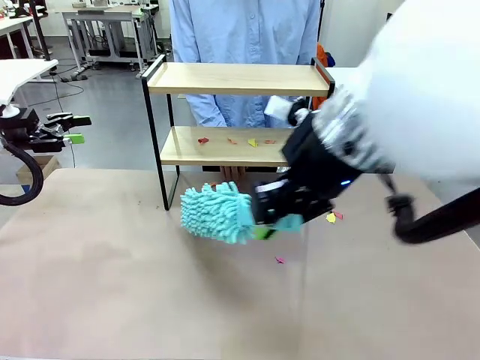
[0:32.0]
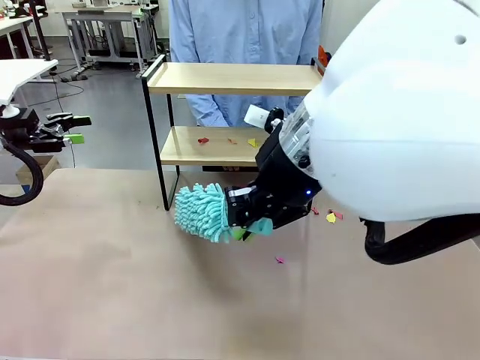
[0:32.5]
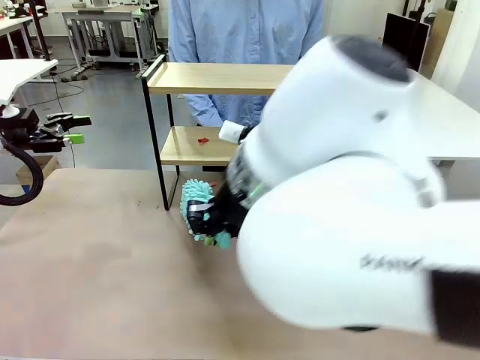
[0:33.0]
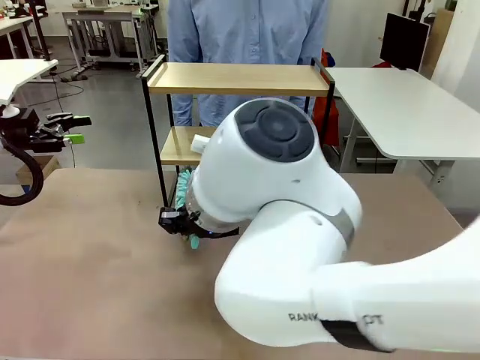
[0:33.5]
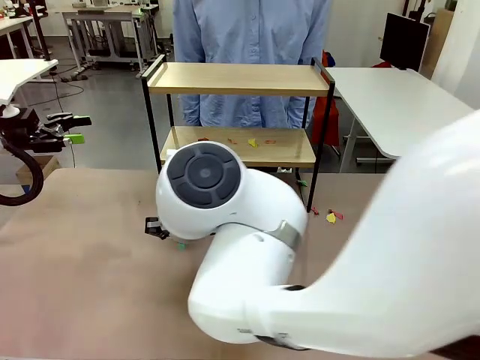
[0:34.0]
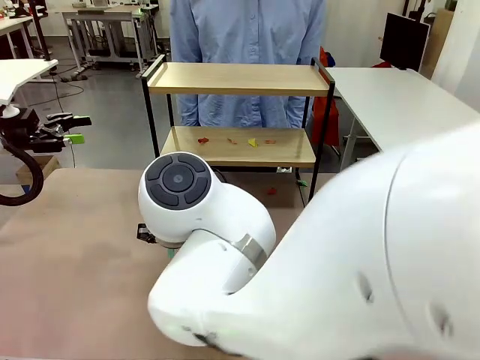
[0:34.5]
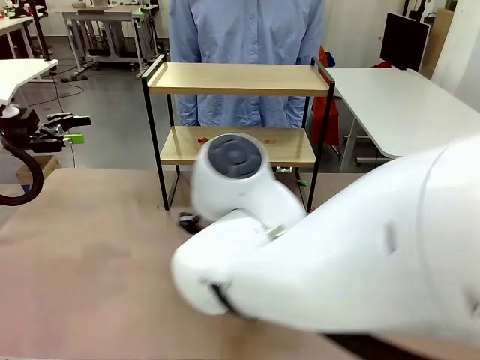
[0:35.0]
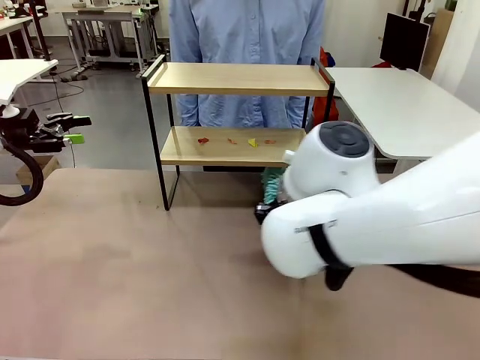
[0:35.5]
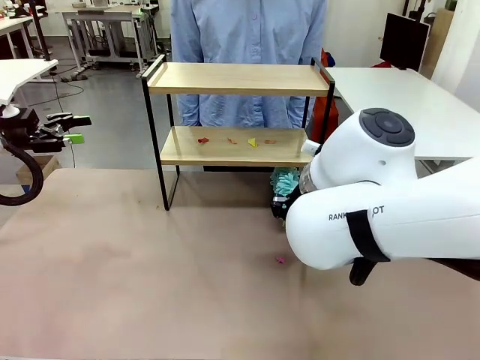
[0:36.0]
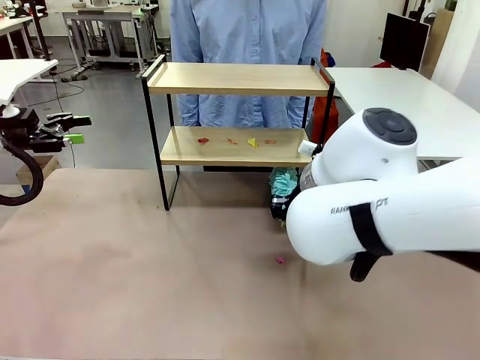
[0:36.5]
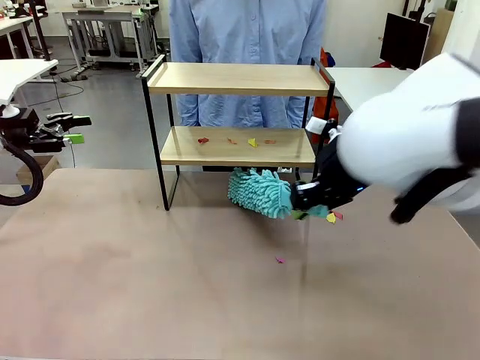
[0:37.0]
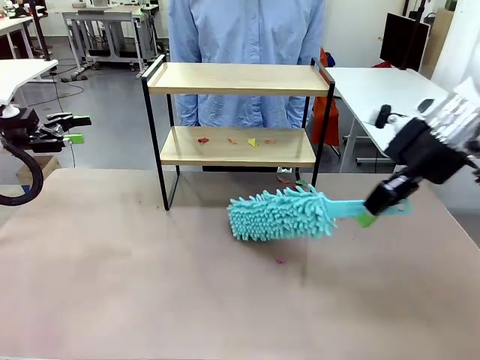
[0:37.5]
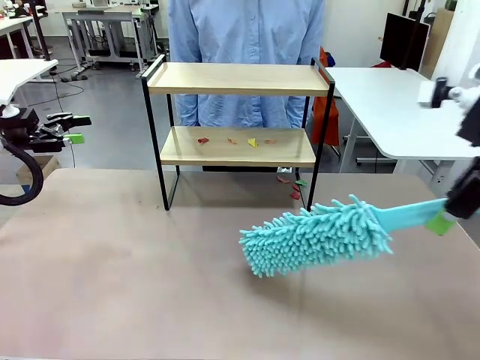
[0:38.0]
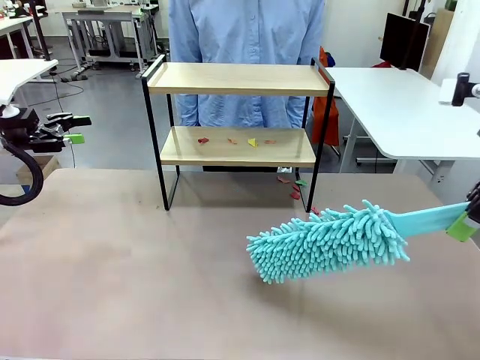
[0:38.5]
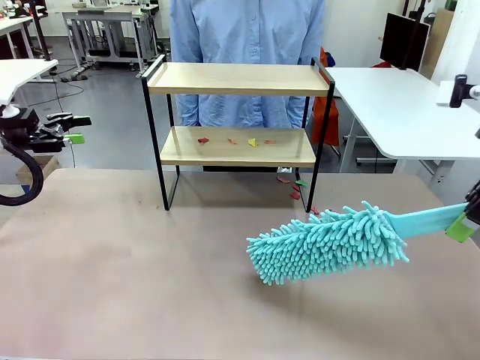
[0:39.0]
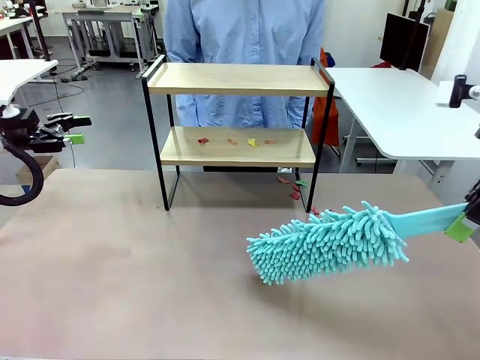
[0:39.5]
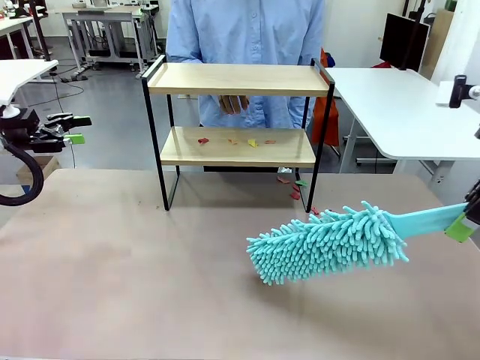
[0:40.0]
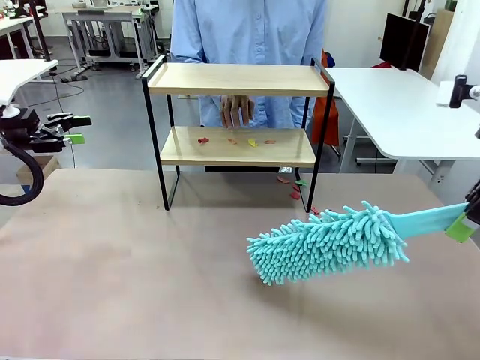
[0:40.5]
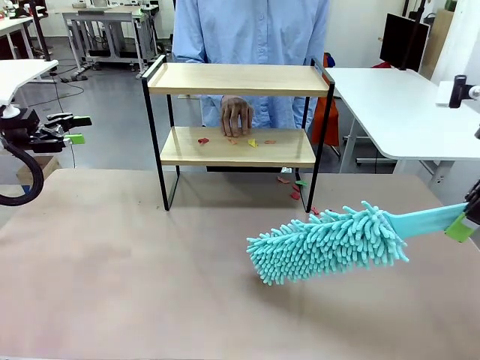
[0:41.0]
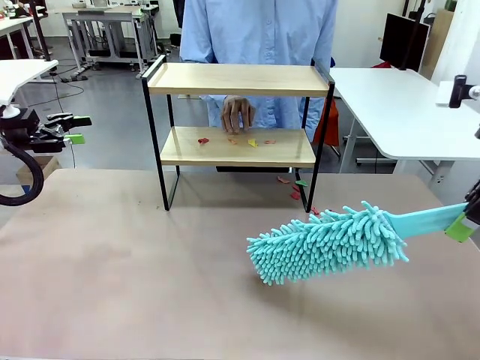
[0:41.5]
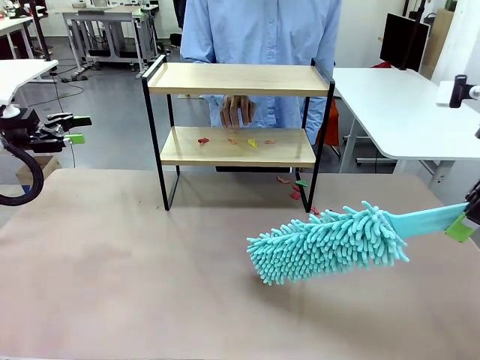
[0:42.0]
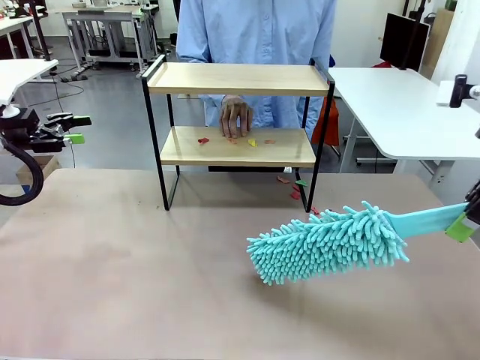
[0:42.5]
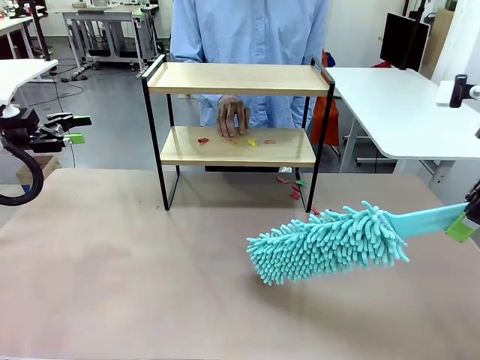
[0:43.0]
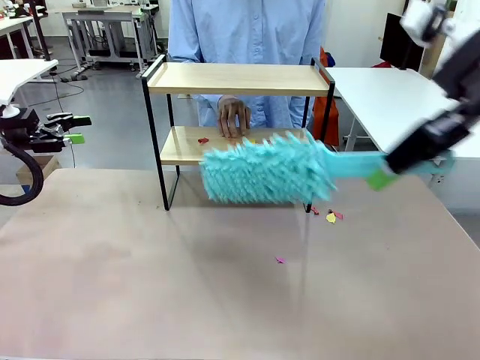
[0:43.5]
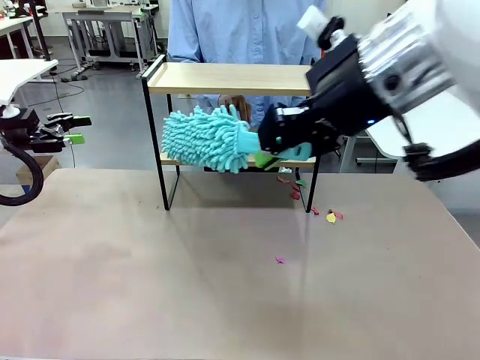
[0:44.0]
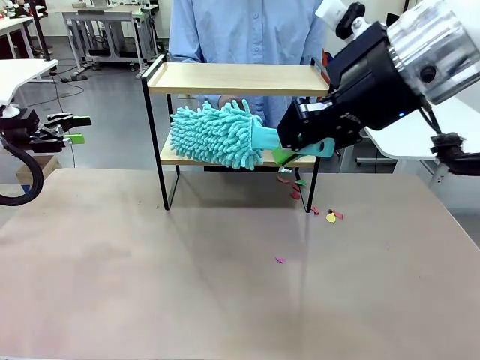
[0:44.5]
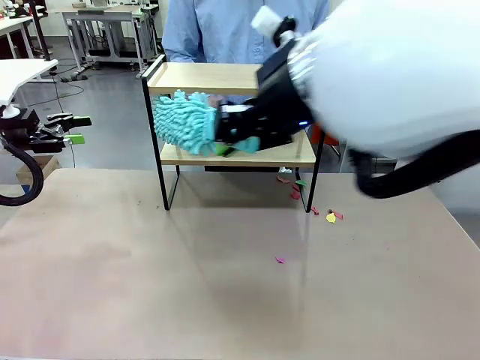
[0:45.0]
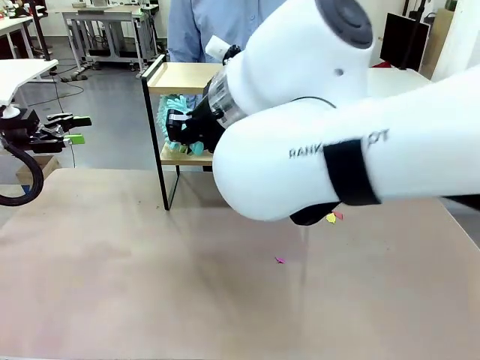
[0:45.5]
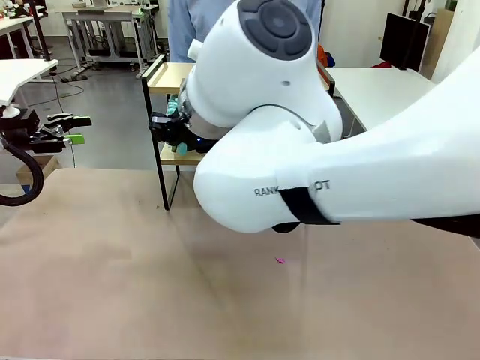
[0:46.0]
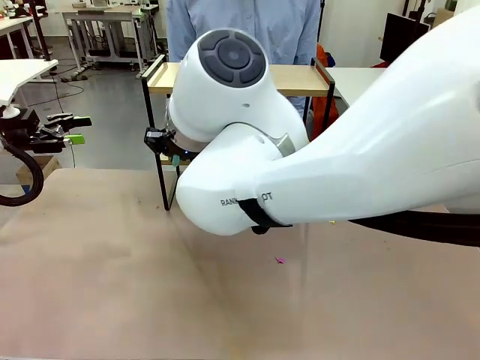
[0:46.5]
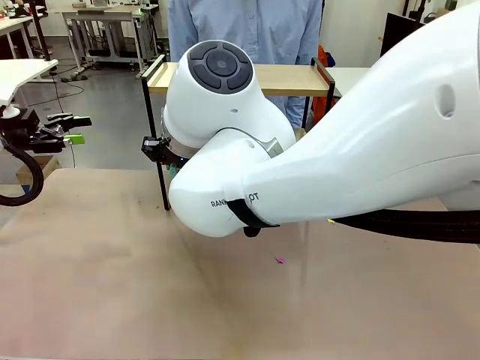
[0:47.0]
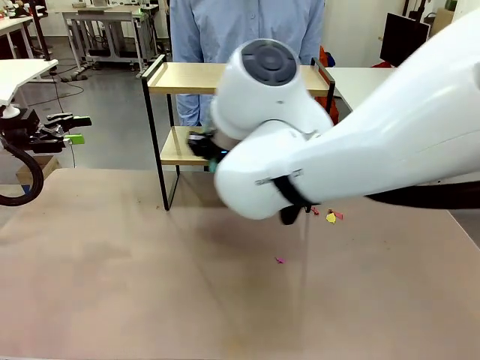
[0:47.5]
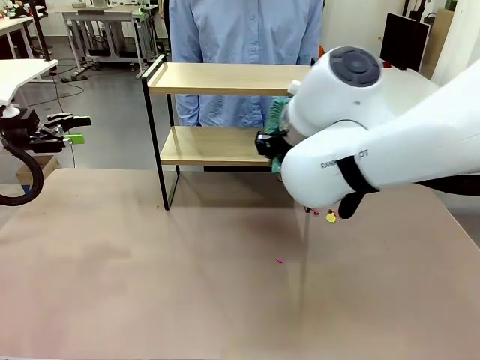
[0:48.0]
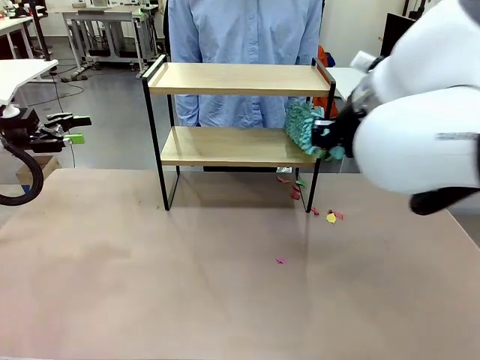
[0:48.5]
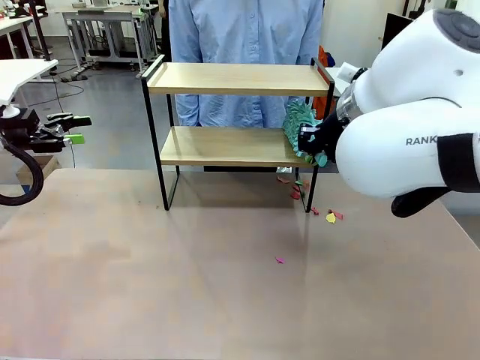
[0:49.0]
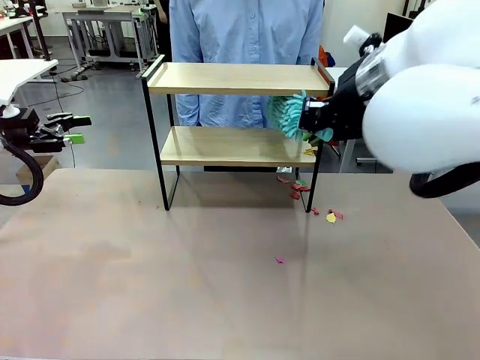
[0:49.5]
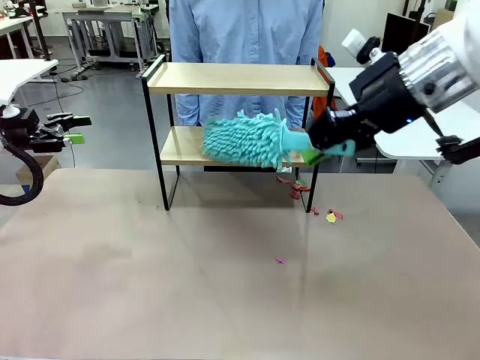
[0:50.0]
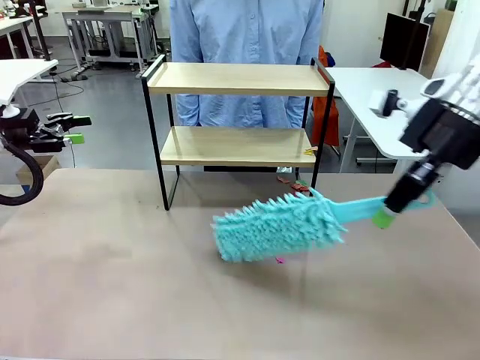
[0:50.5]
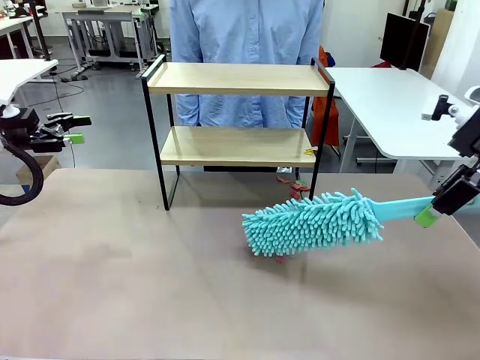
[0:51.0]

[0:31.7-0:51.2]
Task: Clean the shelf.
Robot: Clean the specific section of the Shelf indicated by the human with the Duster.
Person: Point a remaining section of the Shelf.

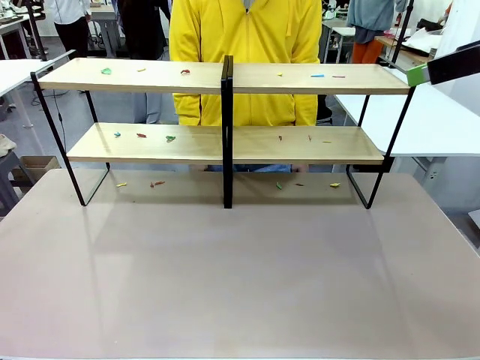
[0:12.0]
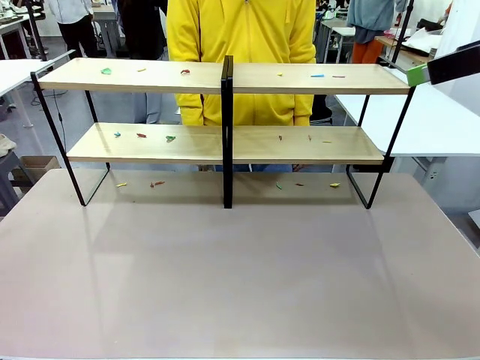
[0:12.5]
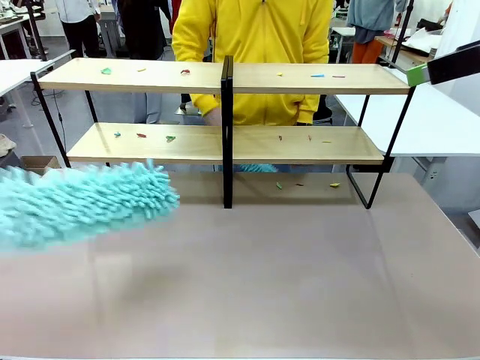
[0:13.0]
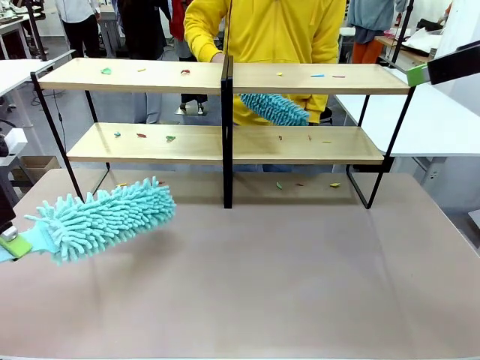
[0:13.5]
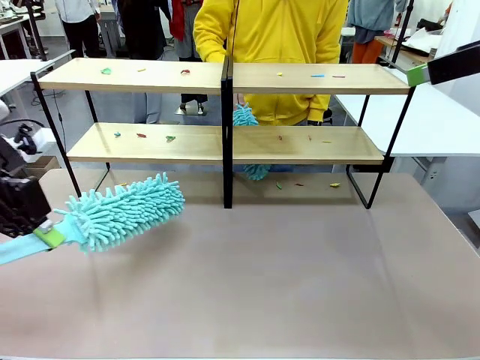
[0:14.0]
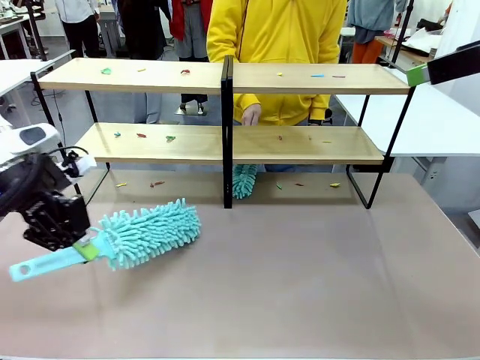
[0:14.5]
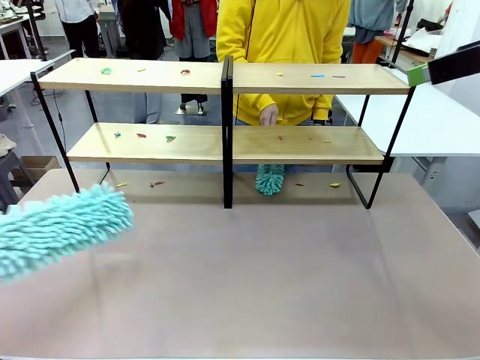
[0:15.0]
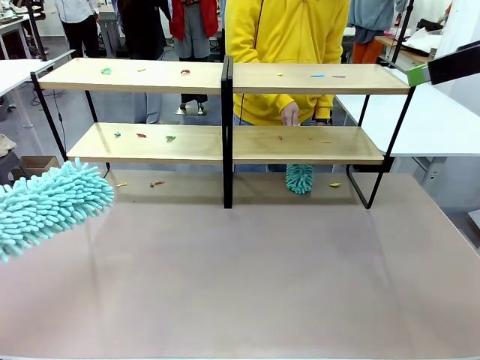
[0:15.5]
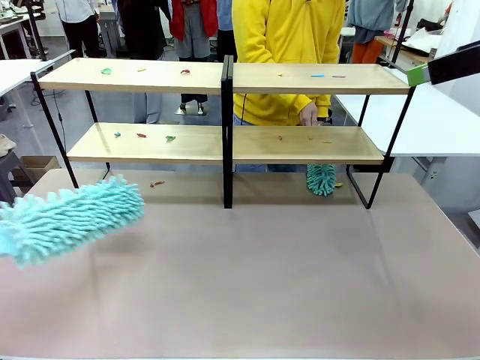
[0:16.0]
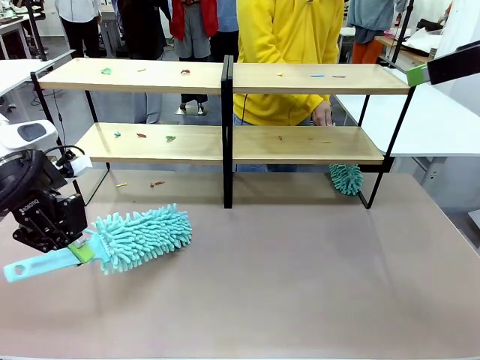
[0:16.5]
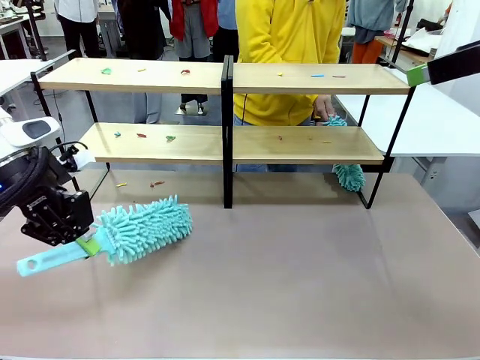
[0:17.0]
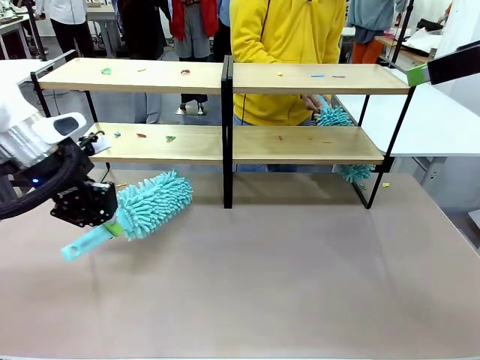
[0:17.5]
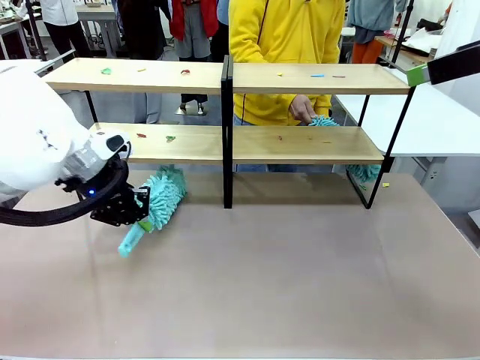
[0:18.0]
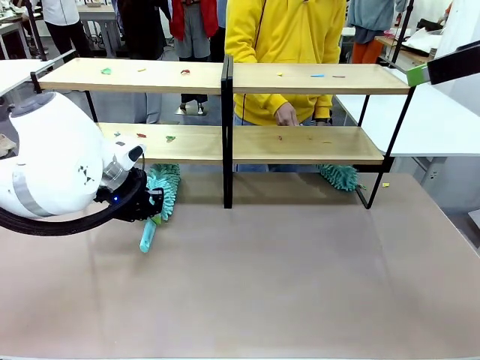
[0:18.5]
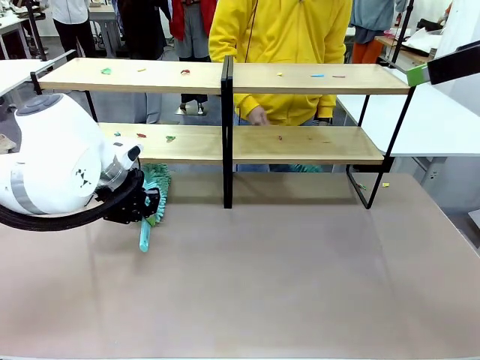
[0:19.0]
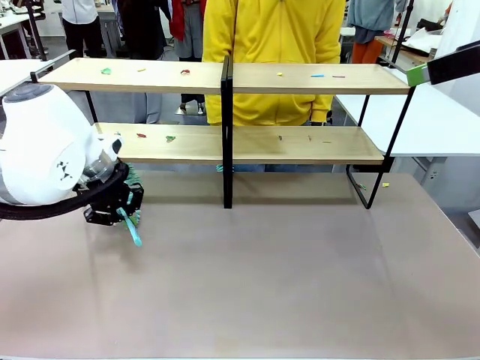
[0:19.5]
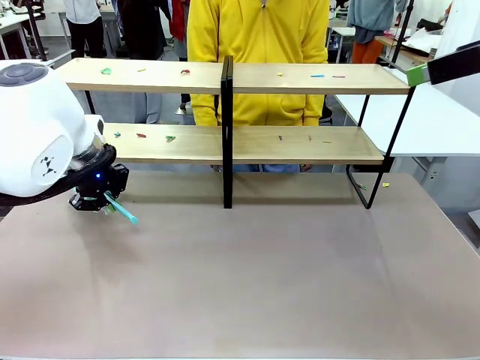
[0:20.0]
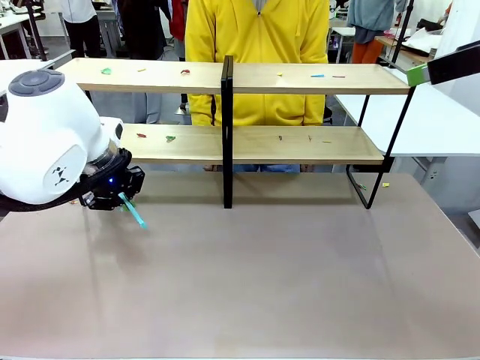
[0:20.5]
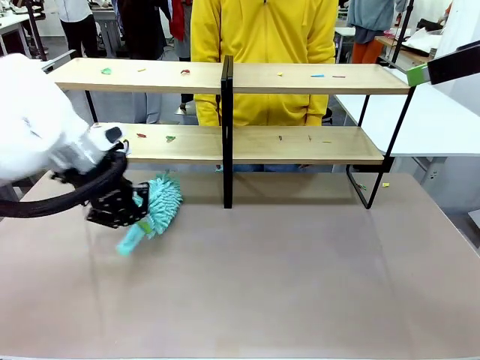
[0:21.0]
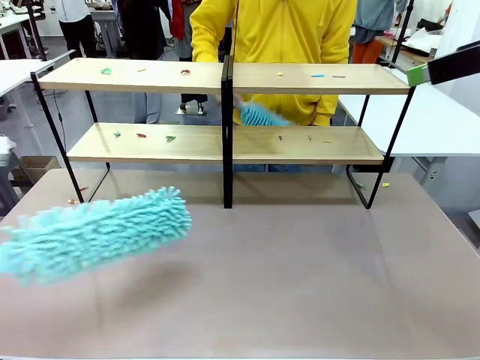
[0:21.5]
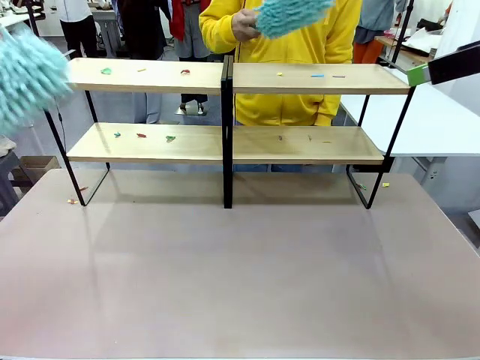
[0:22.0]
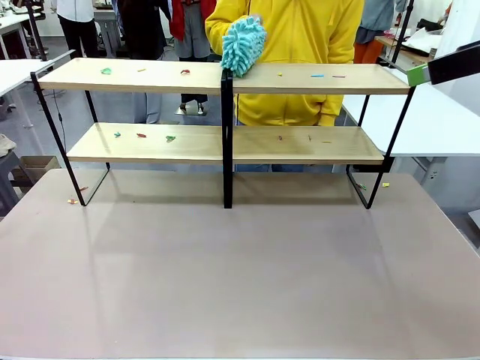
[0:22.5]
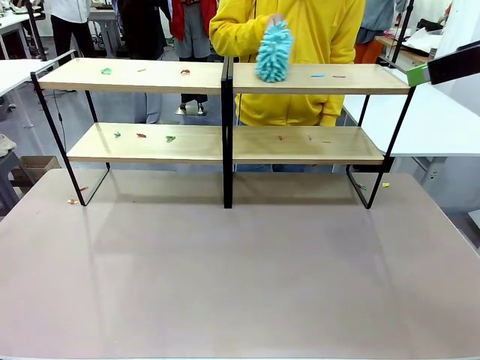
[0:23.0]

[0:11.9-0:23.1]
Task: Clean the shelves.
Robot: Clean a randomly selected level of the Shelf with the Duster.
